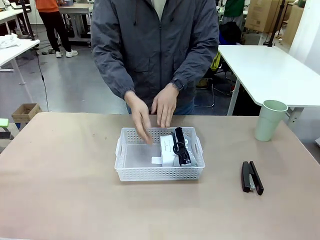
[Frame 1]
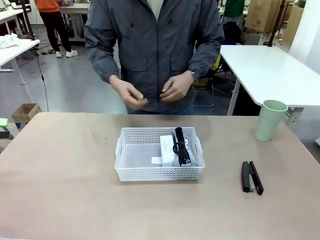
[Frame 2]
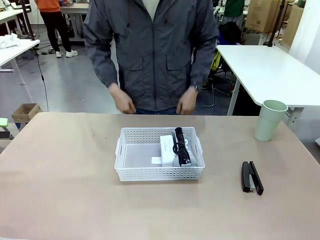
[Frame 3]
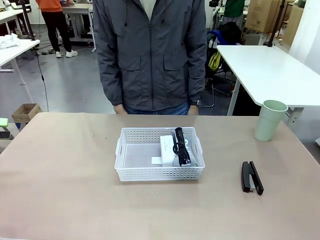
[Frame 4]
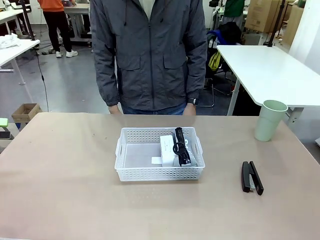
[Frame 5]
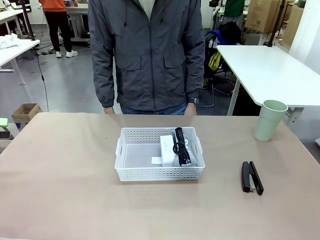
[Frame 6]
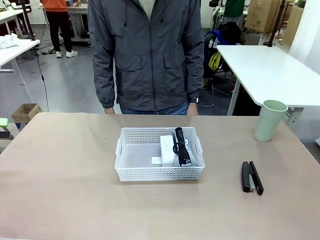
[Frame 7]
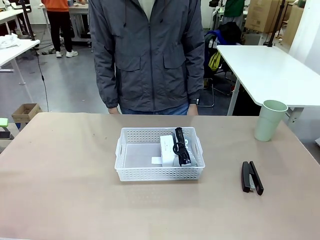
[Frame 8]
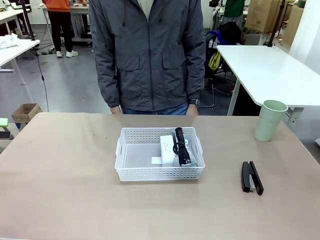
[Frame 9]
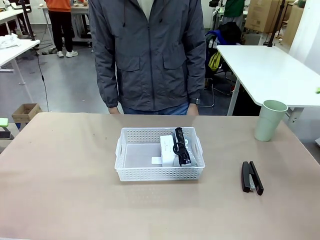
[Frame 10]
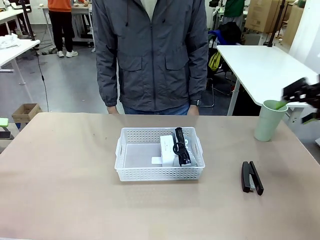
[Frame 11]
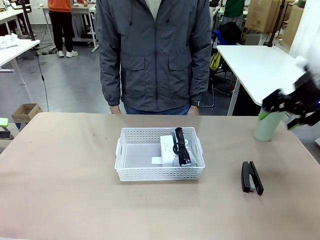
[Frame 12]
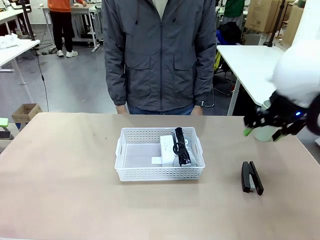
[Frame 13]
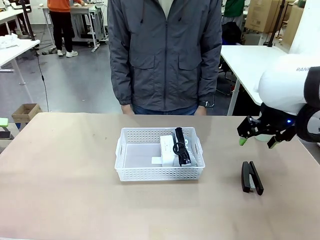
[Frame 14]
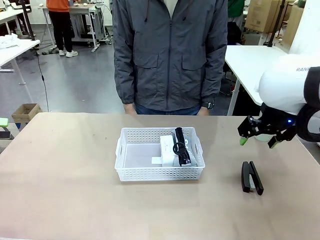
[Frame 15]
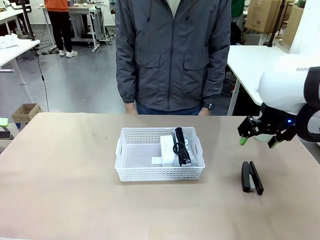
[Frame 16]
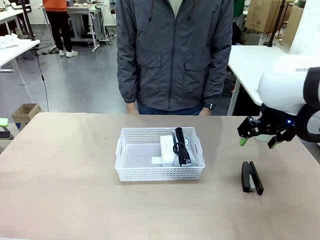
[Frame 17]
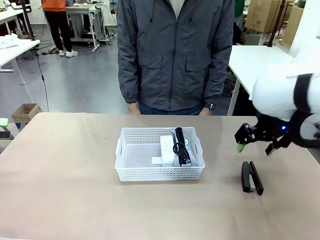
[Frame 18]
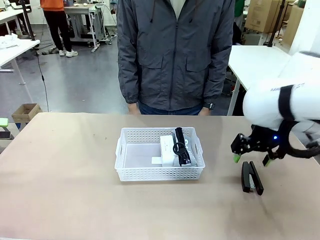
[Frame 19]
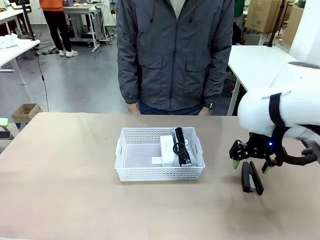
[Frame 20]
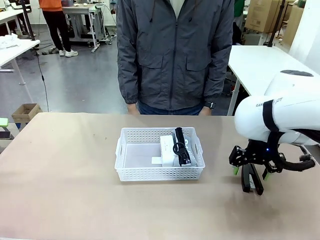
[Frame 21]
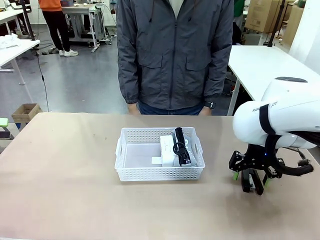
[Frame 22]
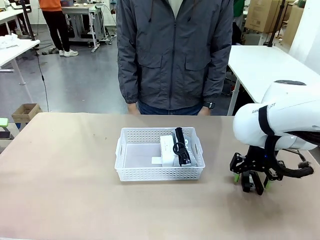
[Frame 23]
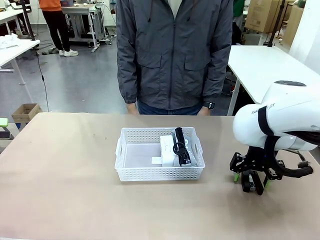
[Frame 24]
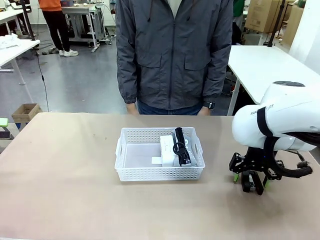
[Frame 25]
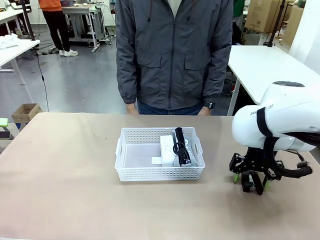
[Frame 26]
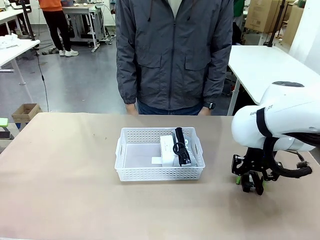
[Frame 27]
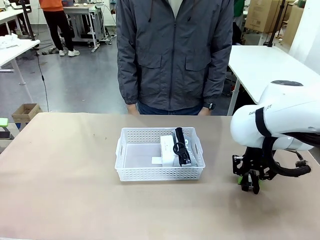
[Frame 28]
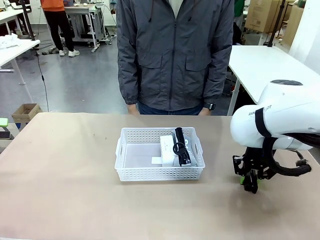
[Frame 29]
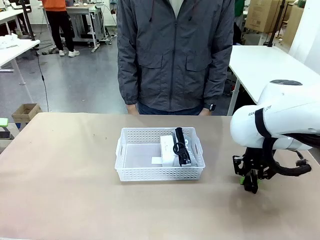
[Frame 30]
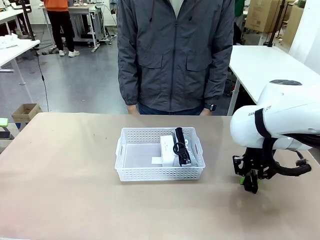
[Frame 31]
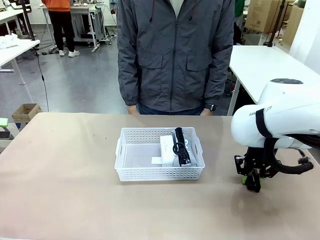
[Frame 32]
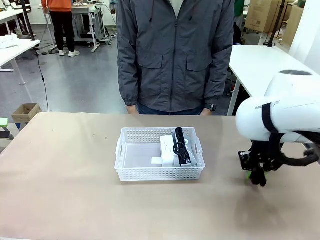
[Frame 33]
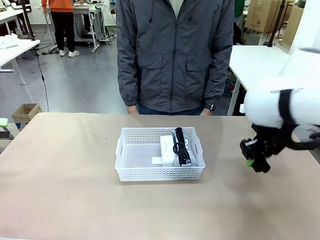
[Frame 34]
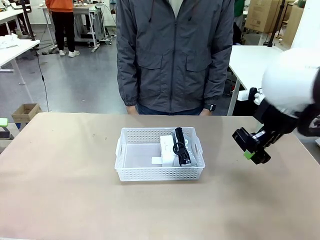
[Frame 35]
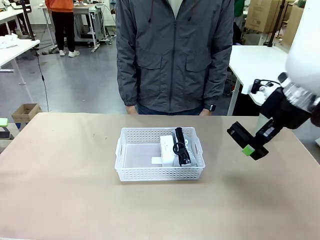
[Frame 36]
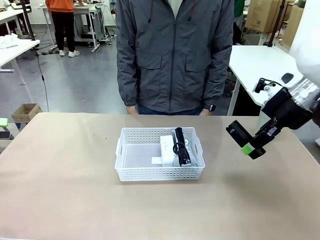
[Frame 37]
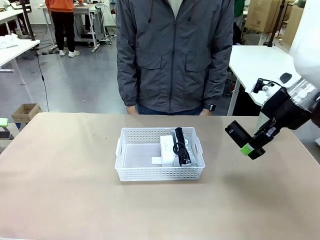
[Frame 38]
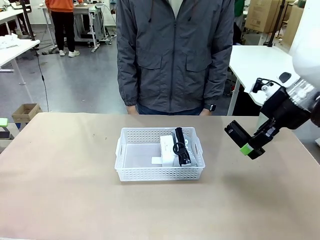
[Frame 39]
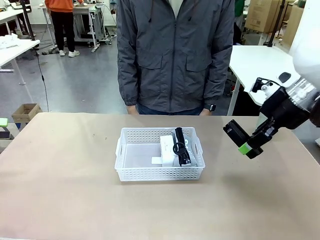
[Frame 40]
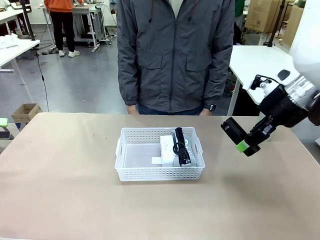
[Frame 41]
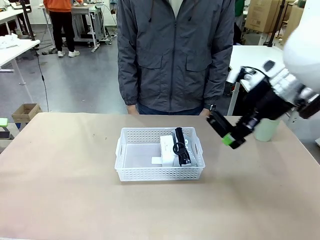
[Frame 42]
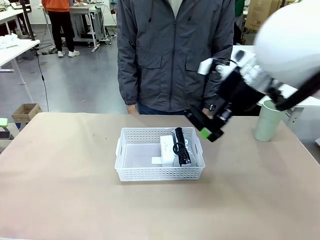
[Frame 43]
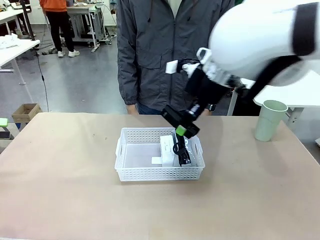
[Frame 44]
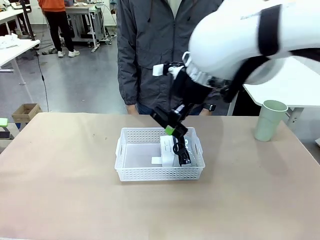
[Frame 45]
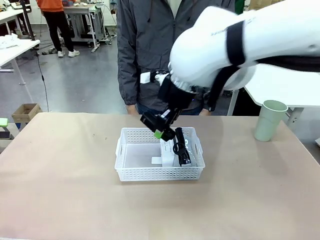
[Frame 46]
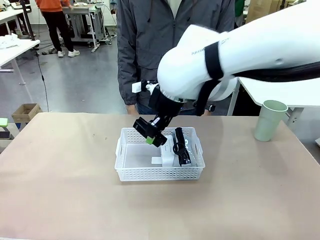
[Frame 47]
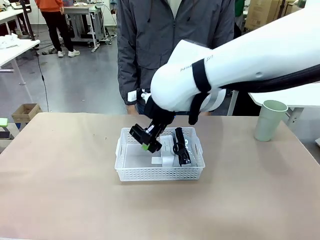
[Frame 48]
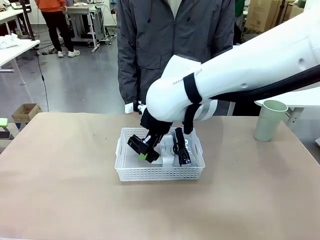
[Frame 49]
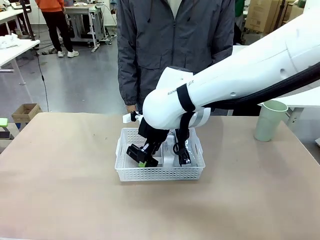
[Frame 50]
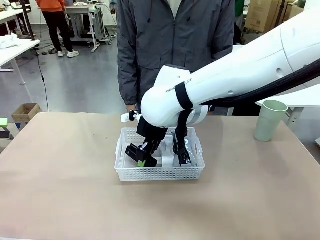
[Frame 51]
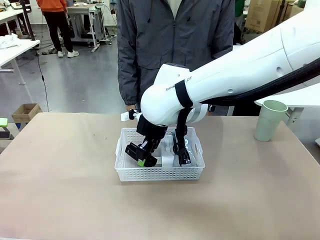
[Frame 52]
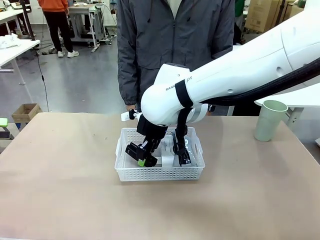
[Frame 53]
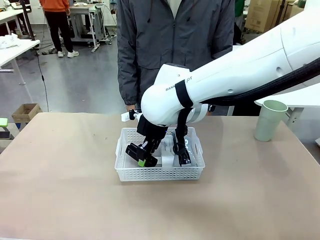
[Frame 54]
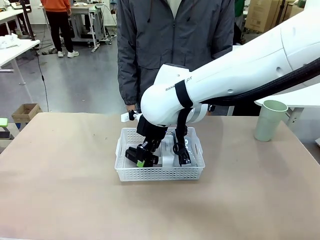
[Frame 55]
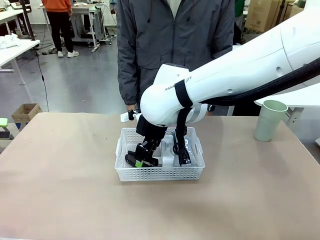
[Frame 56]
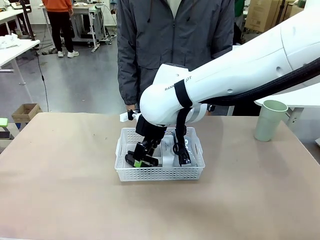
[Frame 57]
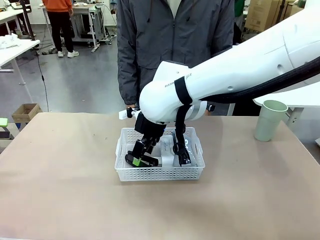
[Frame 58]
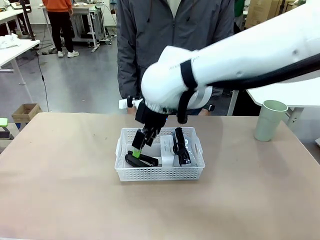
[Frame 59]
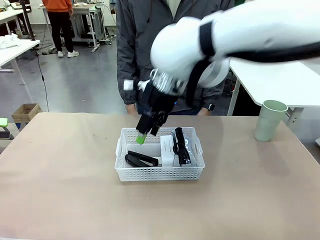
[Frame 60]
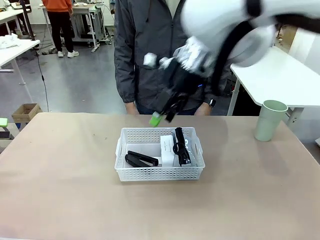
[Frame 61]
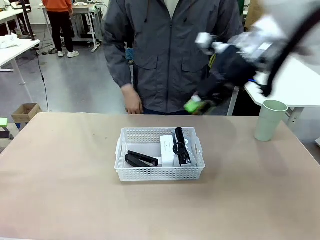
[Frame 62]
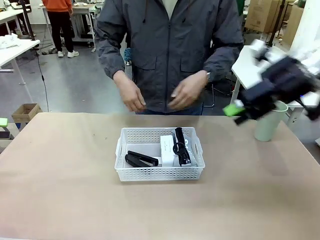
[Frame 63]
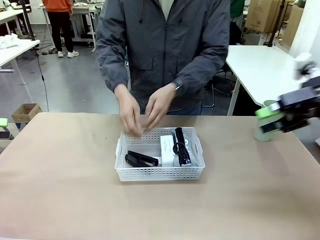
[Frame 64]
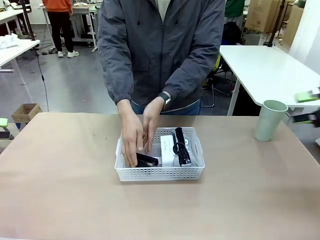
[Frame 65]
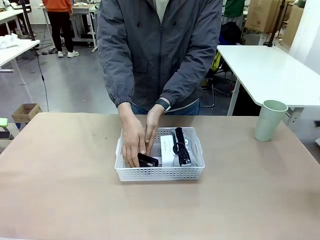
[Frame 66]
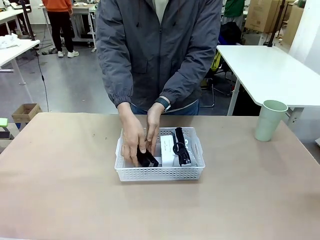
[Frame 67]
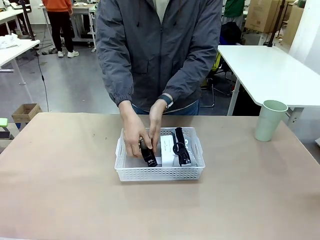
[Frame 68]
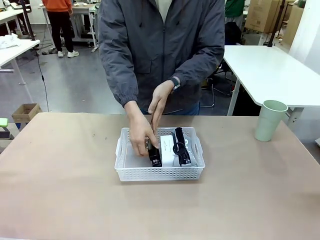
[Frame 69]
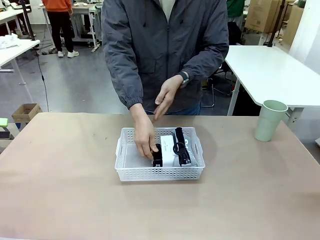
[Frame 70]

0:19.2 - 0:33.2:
Task: Efficiently arrange items inside the basket to fit them all.
Robot: Pick up the Stapler and place it inside the Organizing basket.
